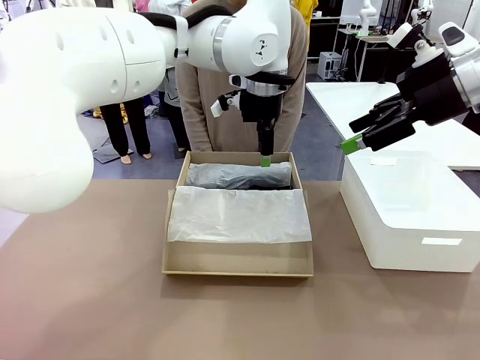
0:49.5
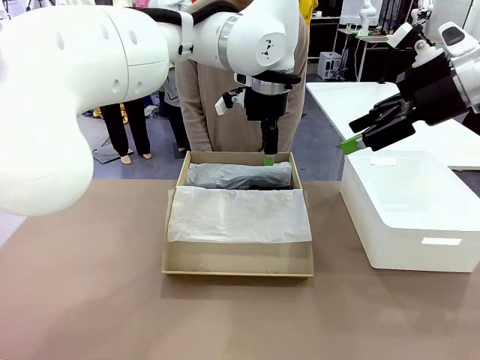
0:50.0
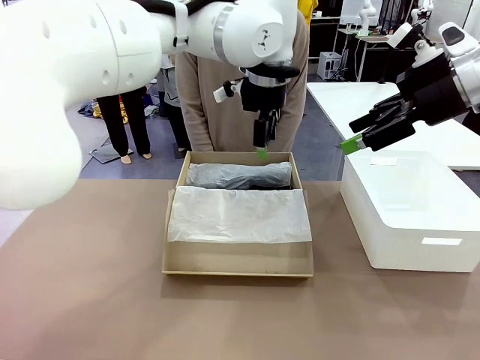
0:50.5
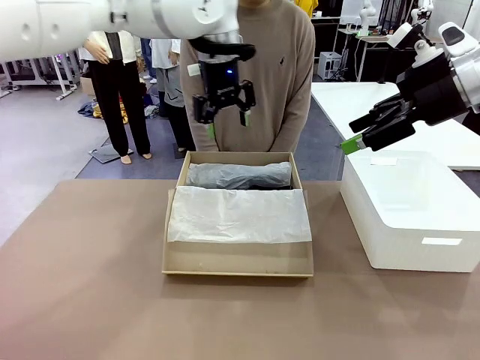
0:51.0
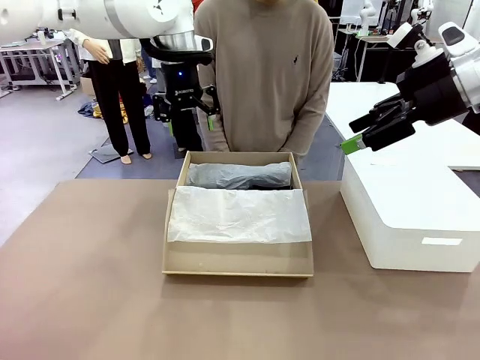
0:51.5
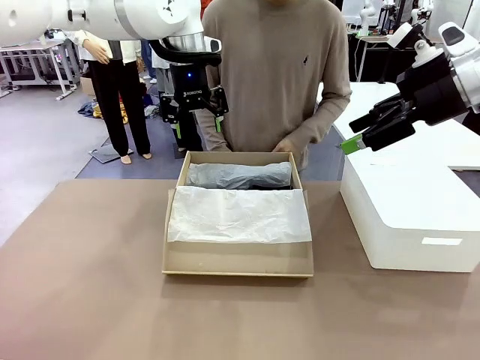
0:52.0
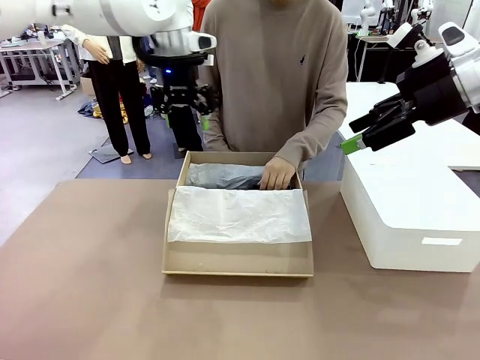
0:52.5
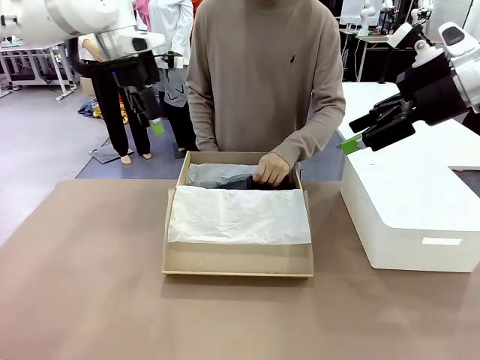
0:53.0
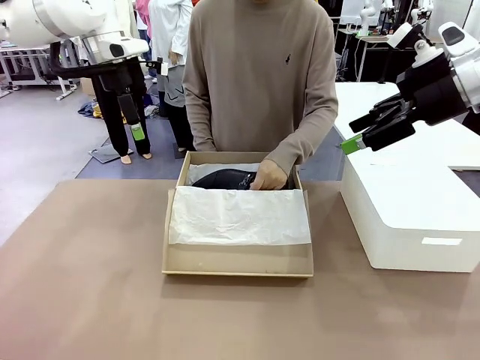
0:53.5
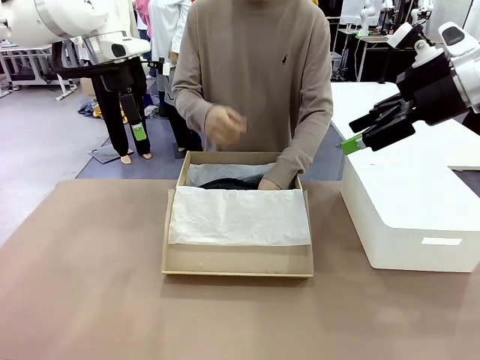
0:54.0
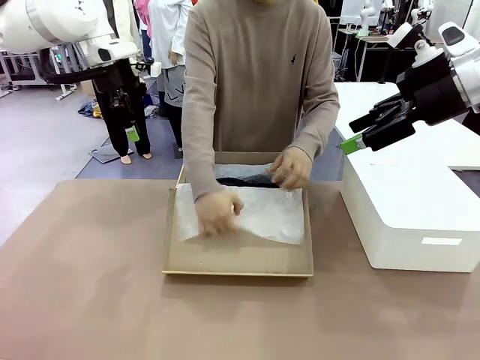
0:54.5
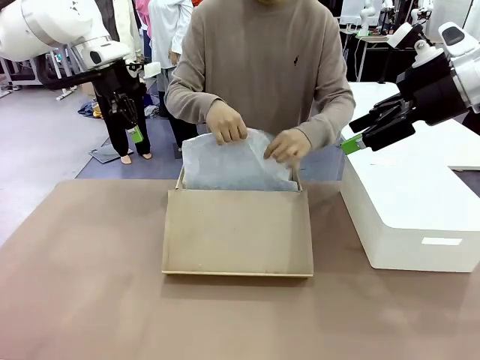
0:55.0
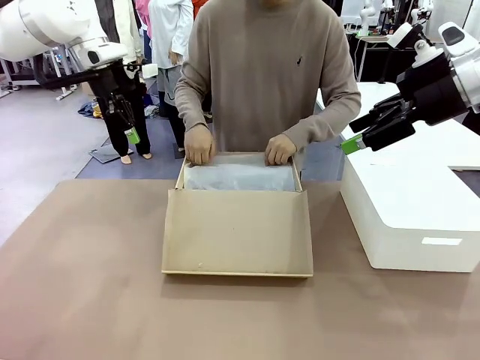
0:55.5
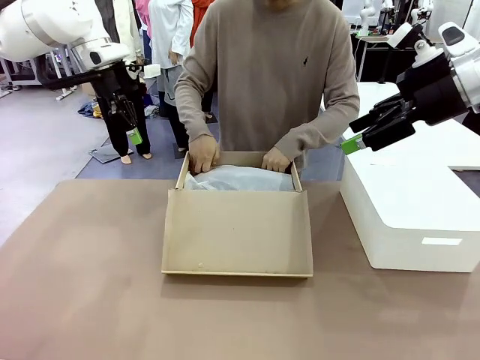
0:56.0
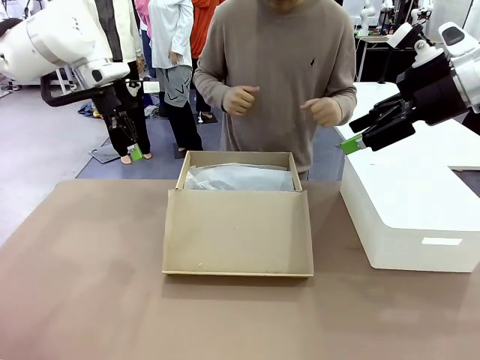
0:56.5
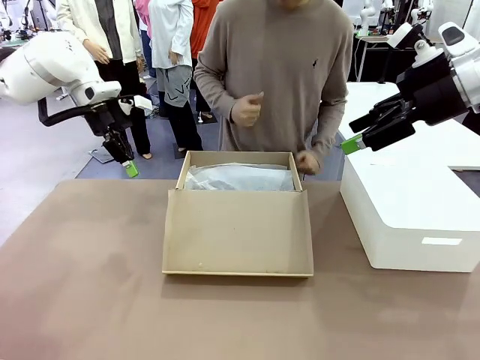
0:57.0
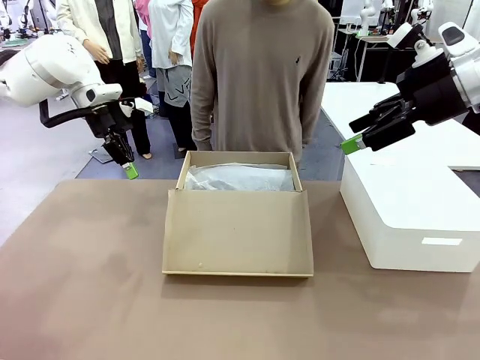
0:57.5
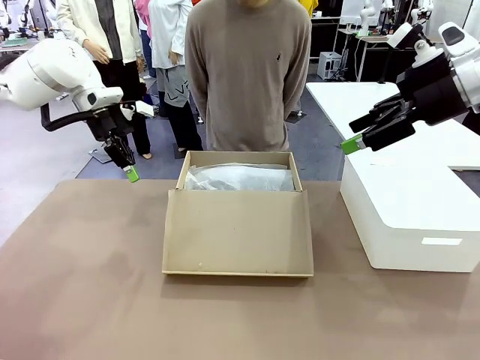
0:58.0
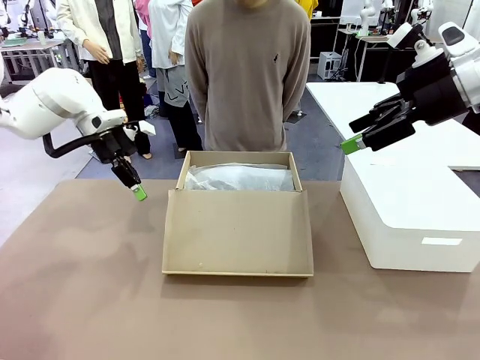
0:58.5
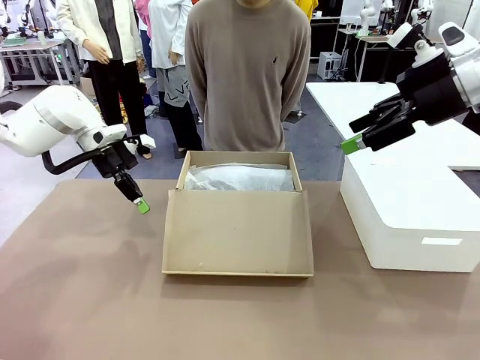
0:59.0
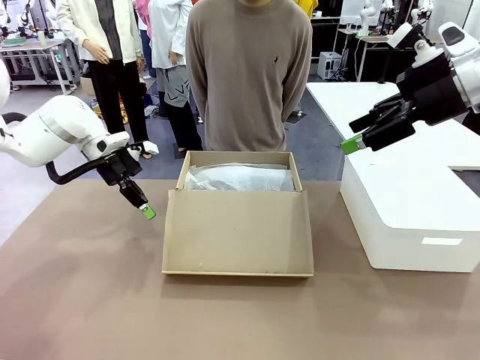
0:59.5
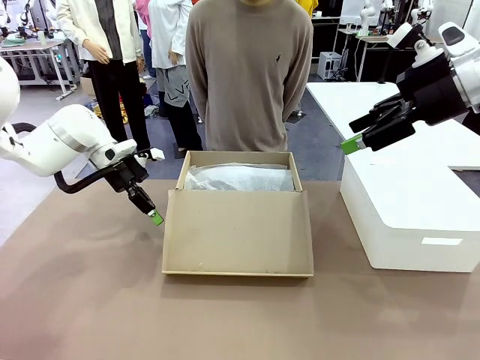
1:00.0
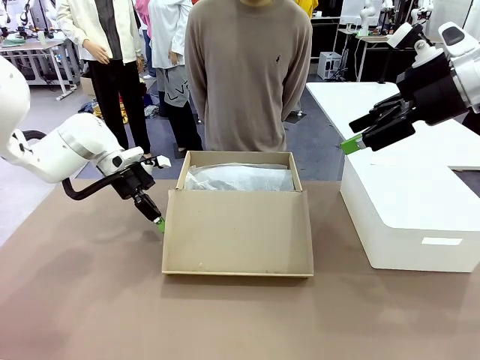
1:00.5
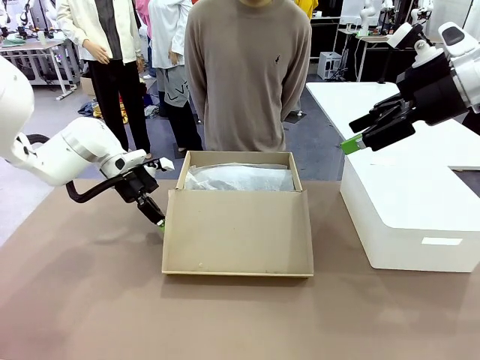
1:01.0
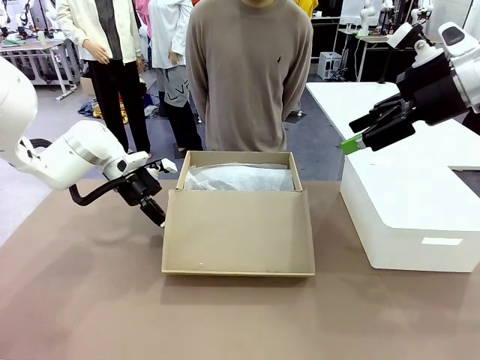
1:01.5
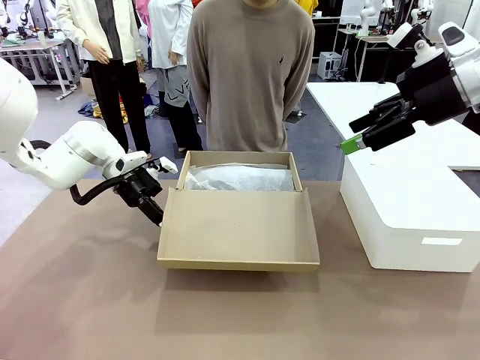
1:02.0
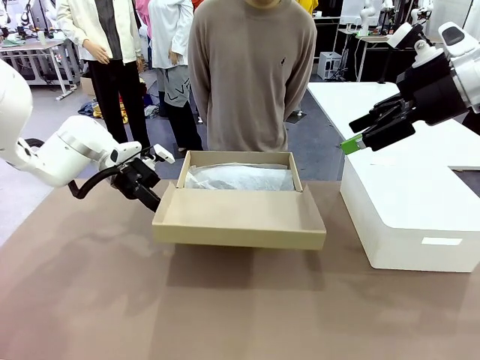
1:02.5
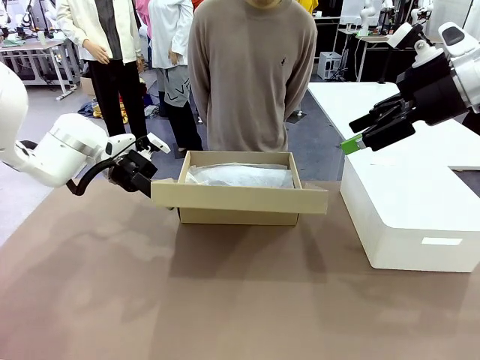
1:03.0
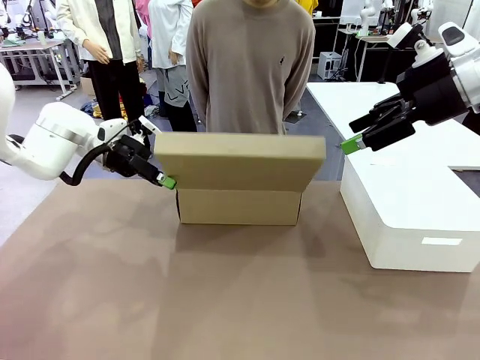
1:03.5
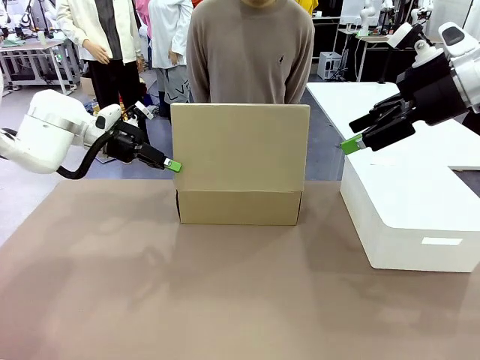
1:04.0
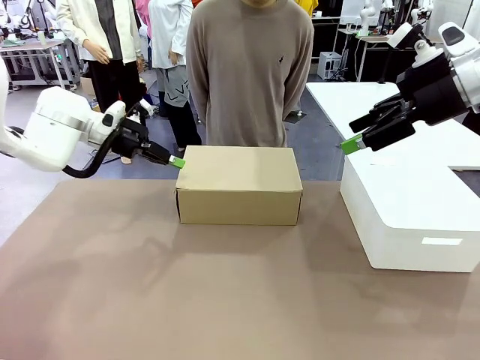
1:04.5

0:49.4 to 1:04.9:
Task: Pack the shoes into the box.
Robot: Close the Shoes Box.

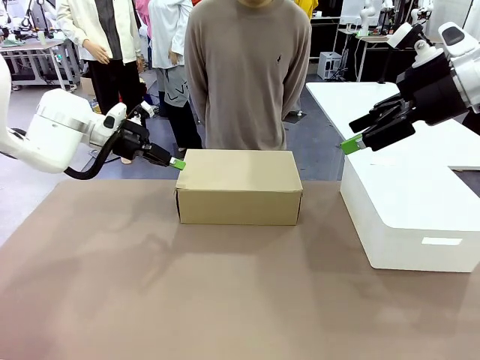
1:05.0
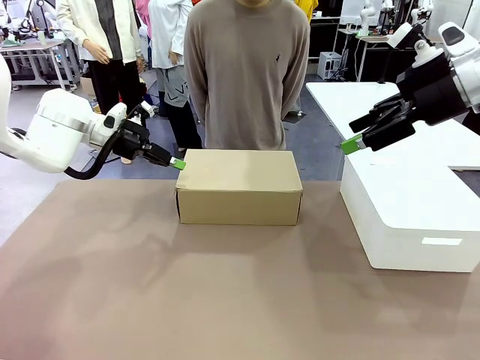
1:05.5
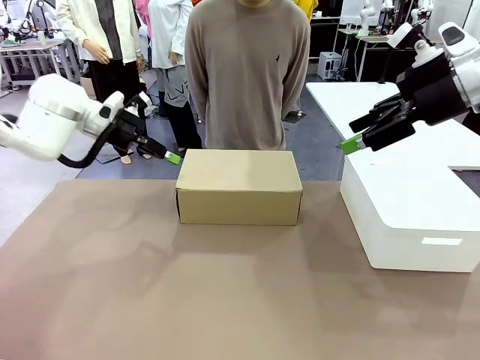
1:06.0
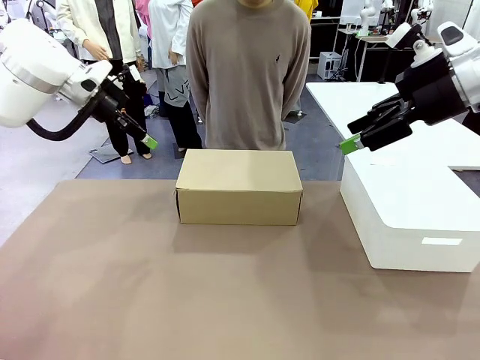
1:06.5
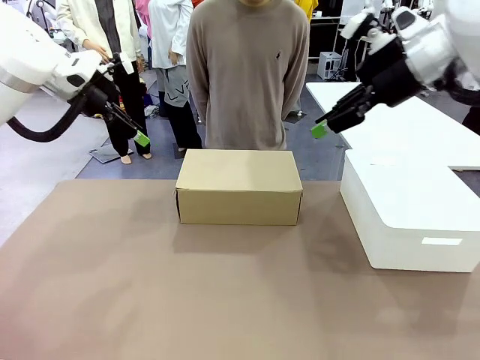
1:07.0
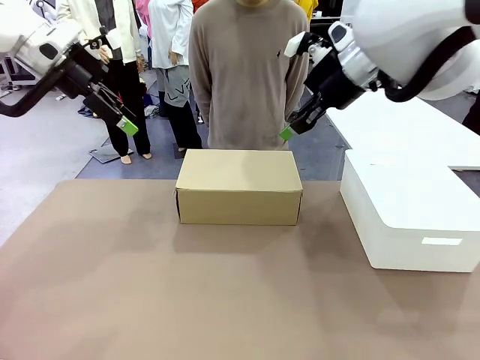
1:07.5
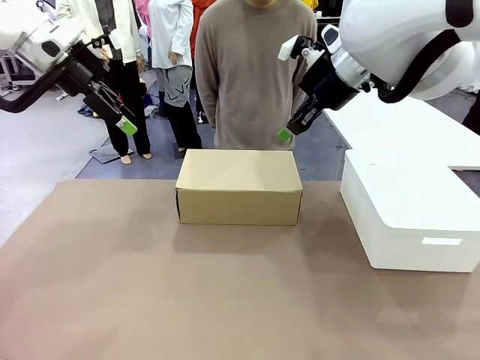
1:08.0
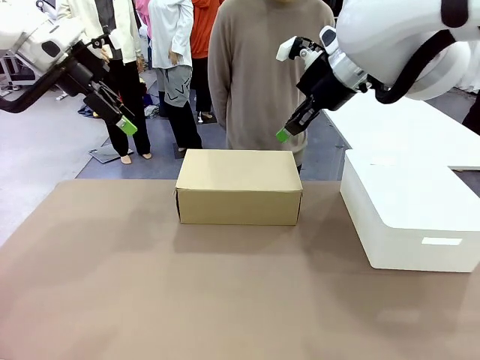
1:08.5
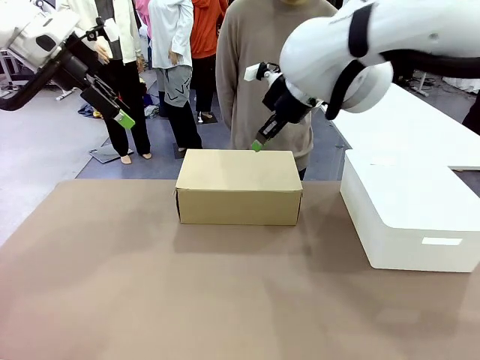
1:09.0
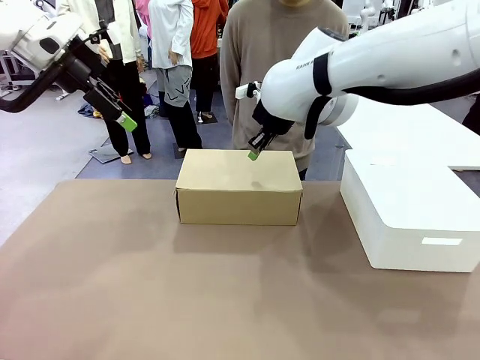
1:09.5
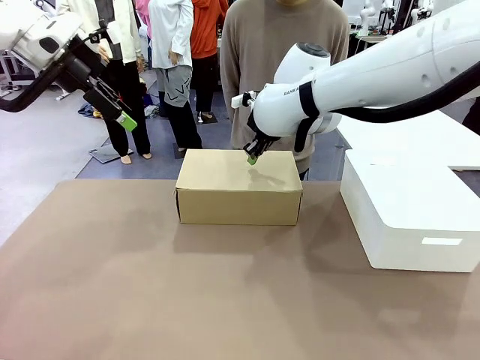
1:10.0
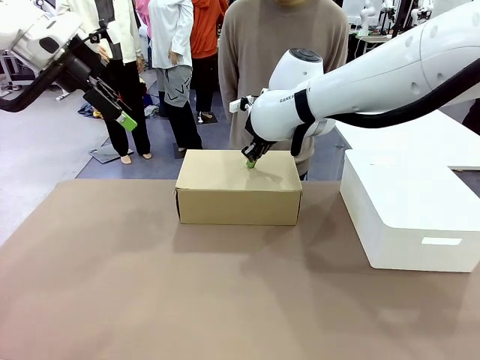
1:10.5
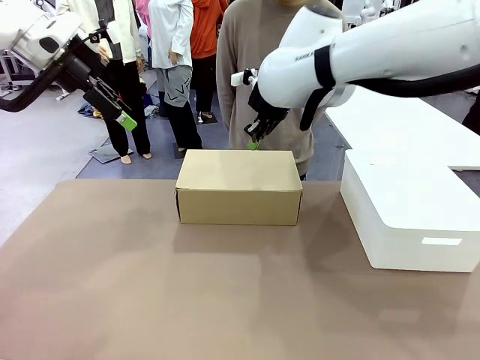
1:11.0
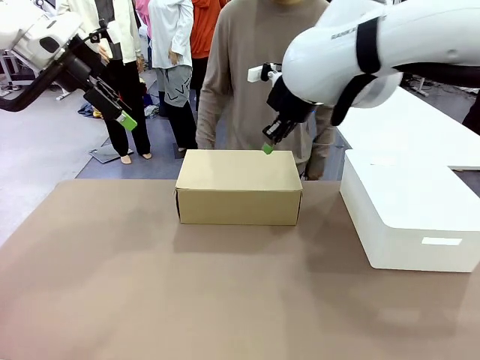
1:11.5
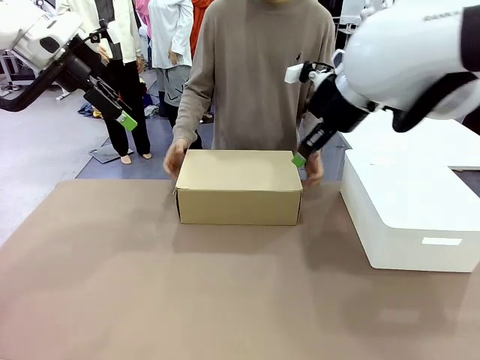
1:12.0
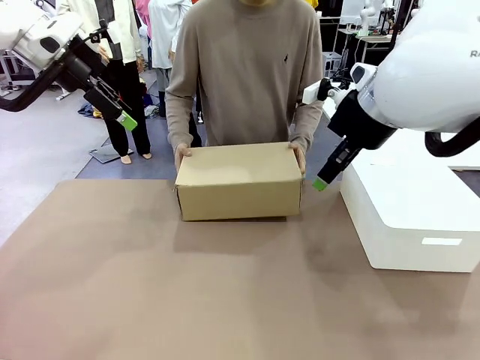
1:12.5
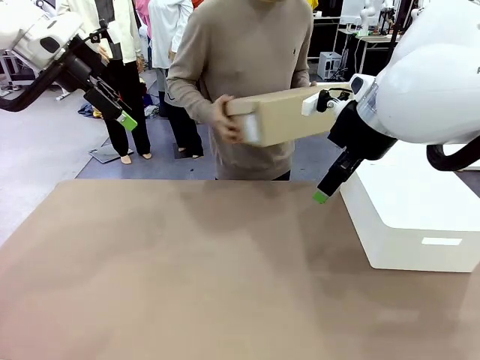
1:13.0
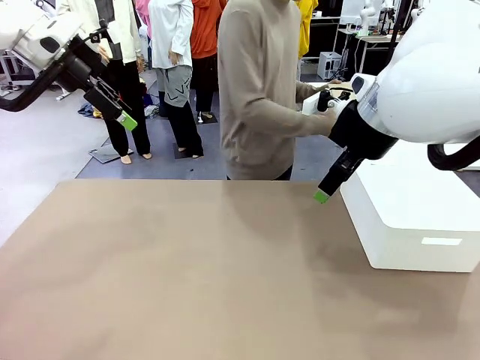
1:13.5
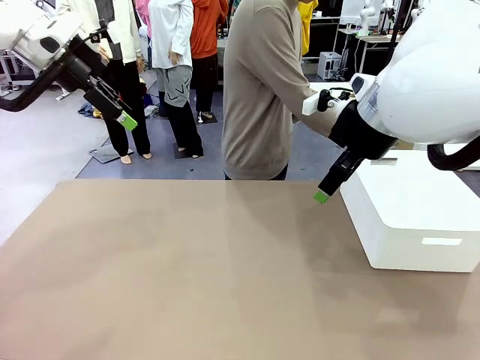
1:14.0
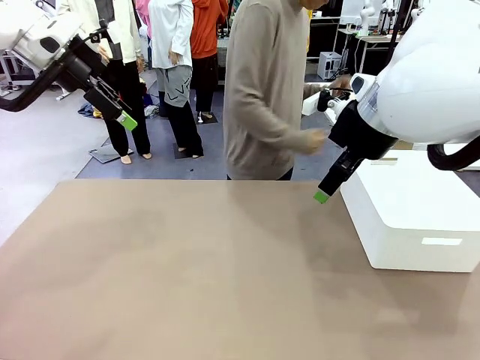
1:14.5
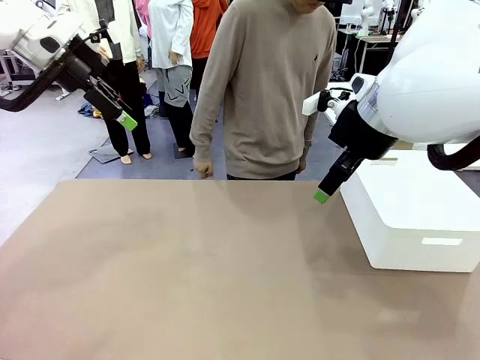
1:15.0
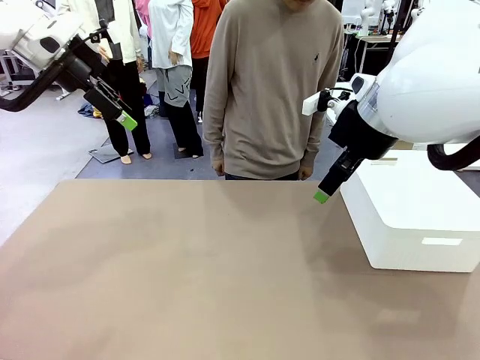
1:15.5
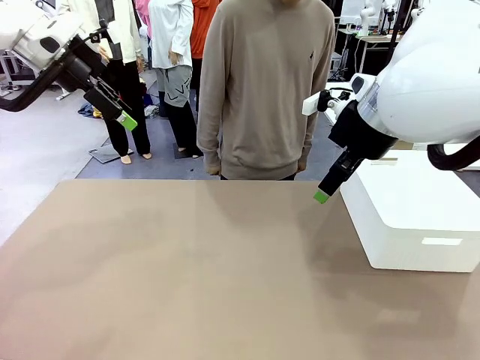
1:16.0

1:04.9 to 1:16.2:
Robot: Press down on the lid of the Shoes Box.
Person: Place the closed Shoes Box to the right side of the human table.
